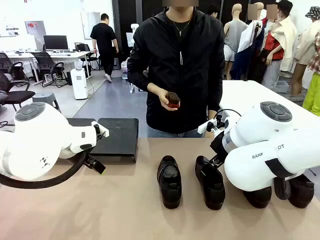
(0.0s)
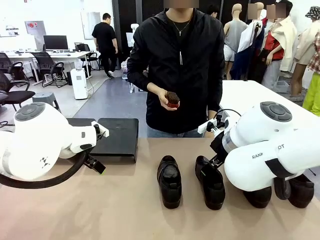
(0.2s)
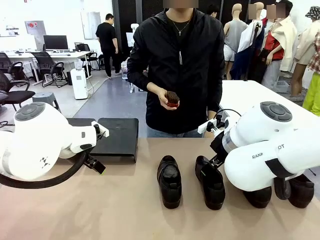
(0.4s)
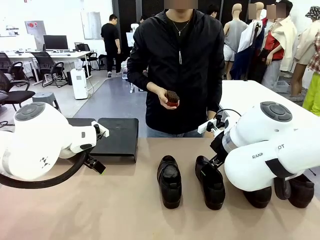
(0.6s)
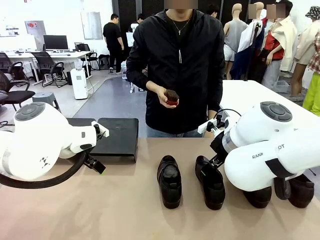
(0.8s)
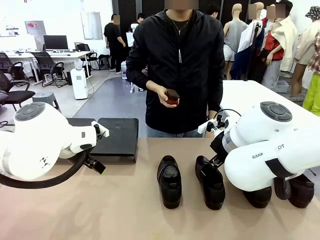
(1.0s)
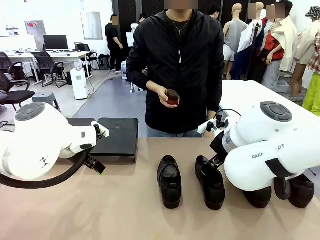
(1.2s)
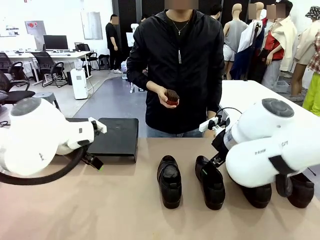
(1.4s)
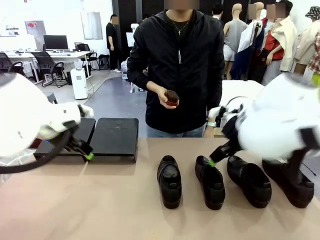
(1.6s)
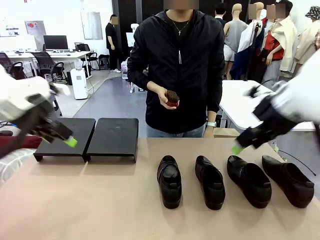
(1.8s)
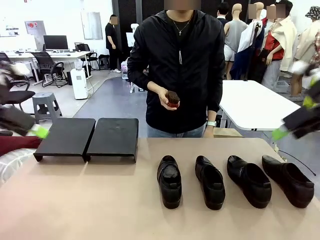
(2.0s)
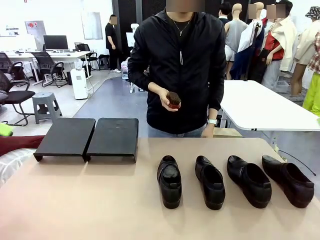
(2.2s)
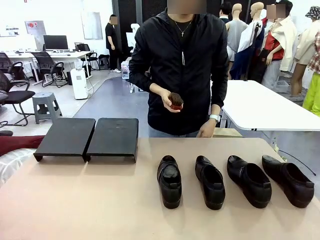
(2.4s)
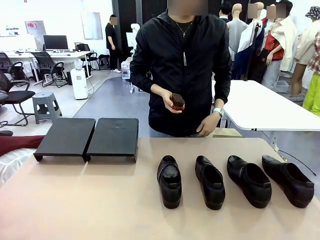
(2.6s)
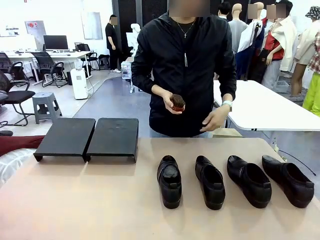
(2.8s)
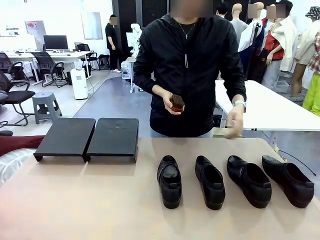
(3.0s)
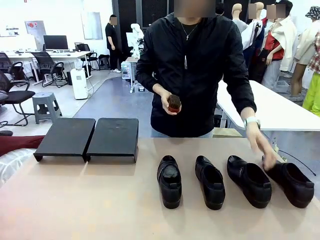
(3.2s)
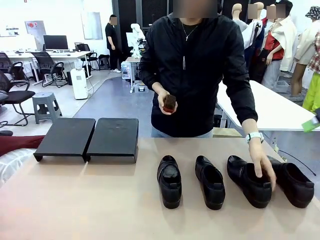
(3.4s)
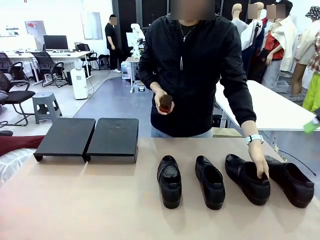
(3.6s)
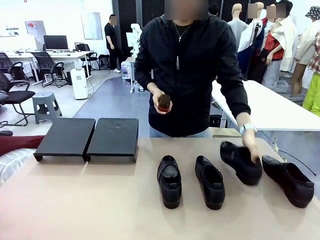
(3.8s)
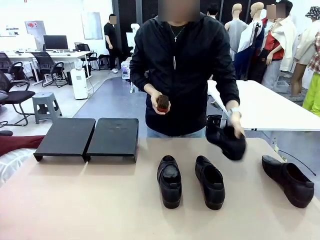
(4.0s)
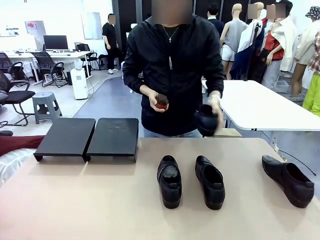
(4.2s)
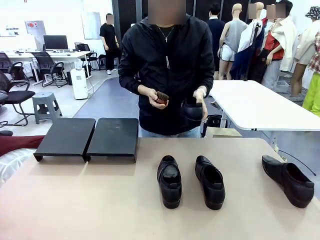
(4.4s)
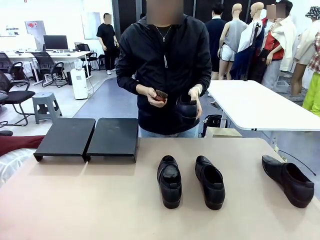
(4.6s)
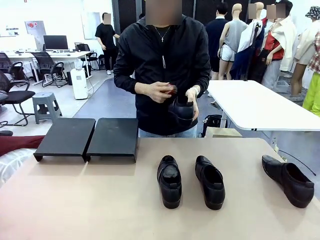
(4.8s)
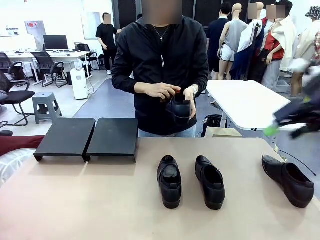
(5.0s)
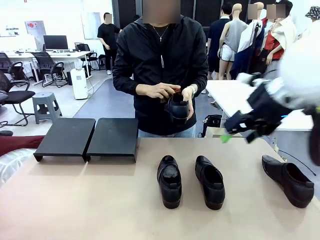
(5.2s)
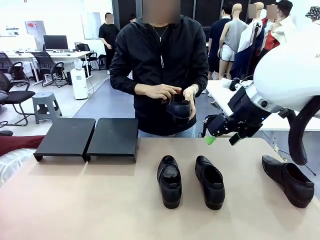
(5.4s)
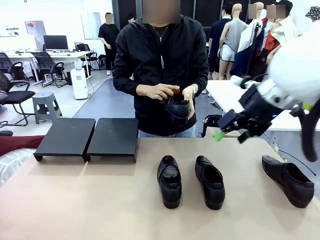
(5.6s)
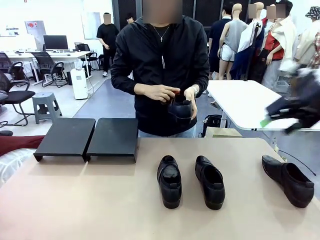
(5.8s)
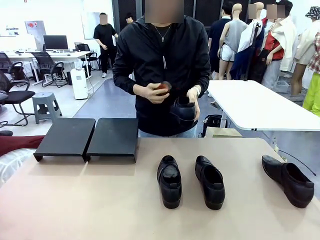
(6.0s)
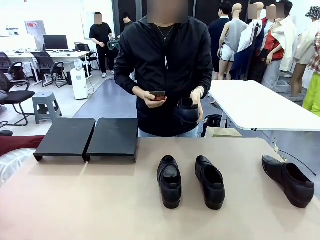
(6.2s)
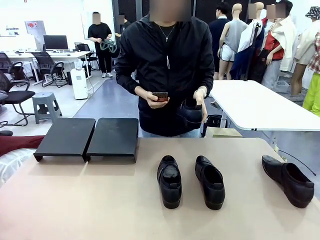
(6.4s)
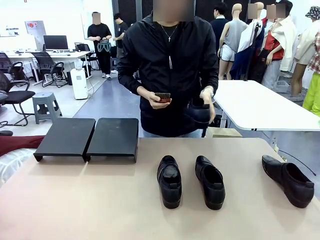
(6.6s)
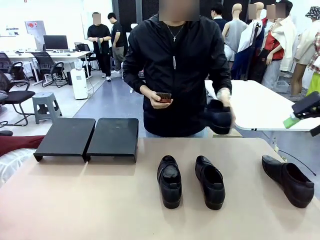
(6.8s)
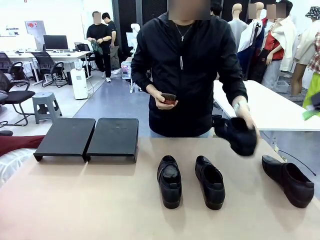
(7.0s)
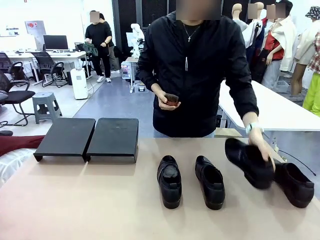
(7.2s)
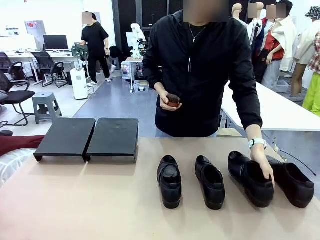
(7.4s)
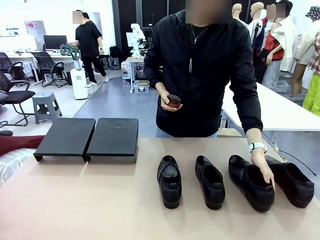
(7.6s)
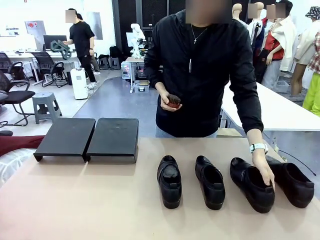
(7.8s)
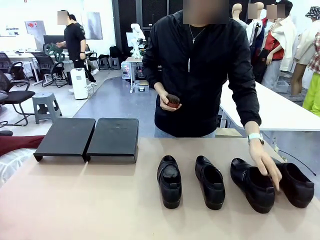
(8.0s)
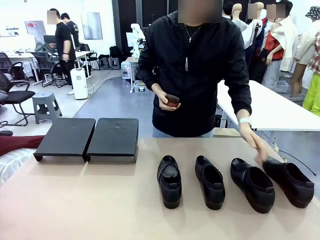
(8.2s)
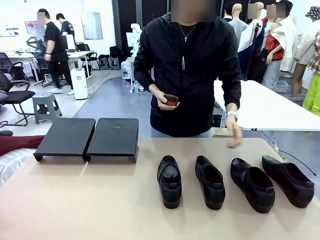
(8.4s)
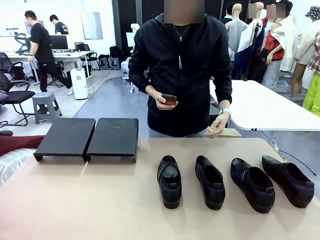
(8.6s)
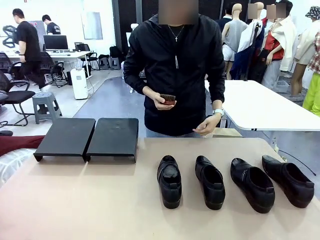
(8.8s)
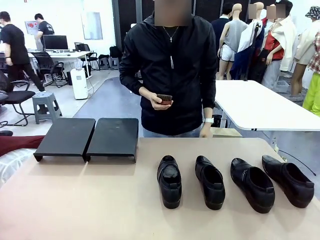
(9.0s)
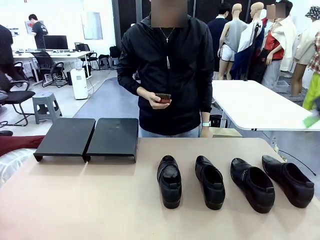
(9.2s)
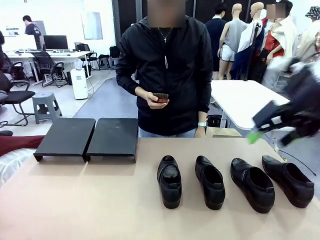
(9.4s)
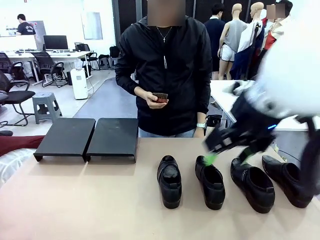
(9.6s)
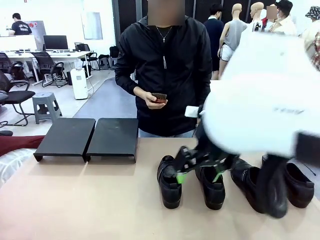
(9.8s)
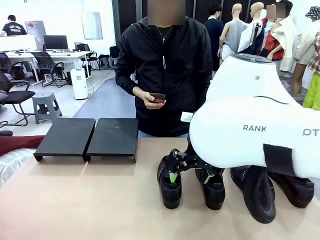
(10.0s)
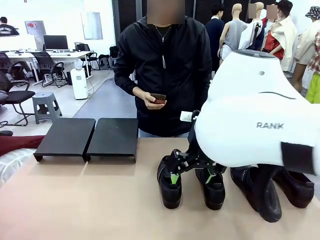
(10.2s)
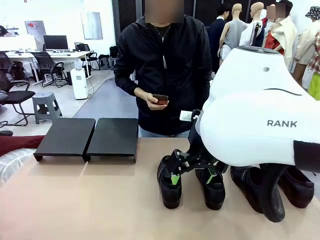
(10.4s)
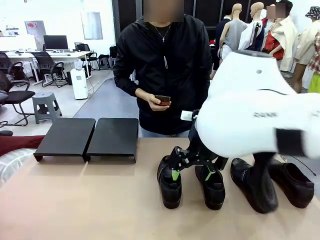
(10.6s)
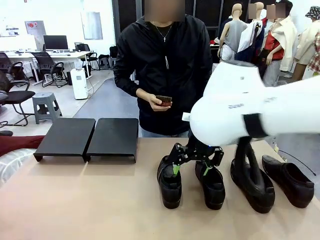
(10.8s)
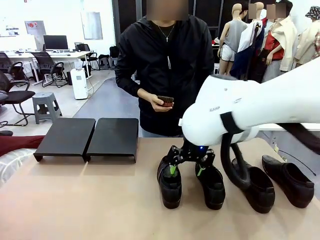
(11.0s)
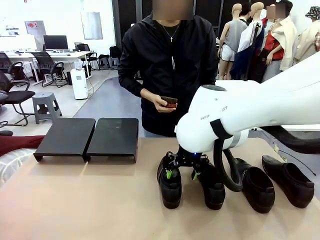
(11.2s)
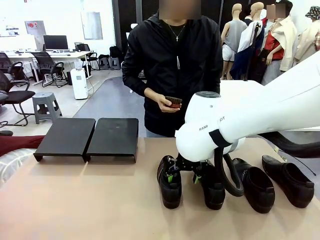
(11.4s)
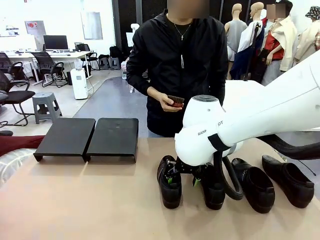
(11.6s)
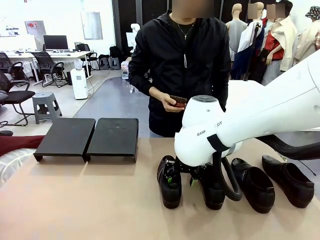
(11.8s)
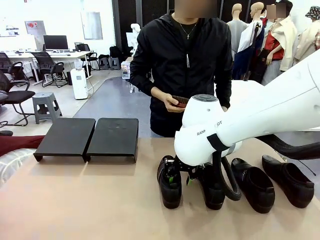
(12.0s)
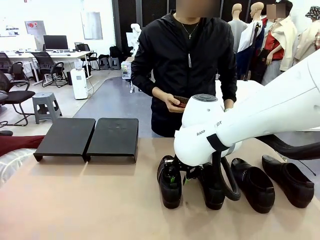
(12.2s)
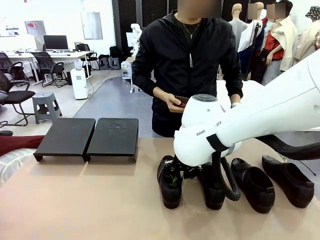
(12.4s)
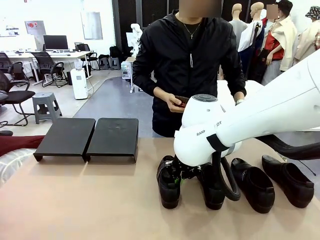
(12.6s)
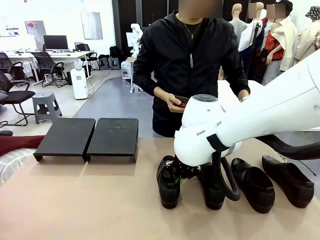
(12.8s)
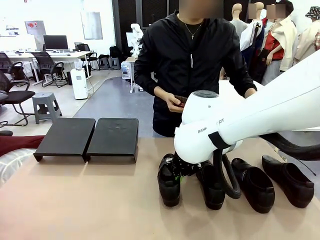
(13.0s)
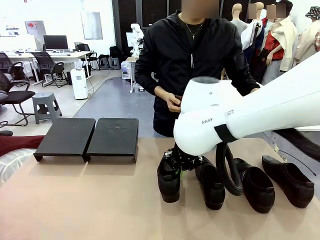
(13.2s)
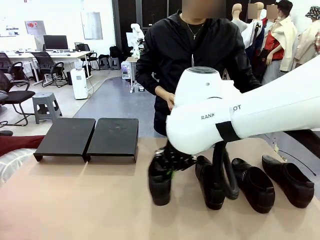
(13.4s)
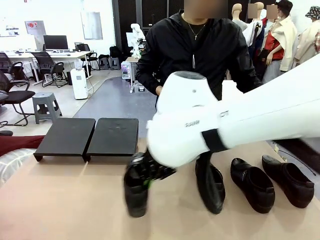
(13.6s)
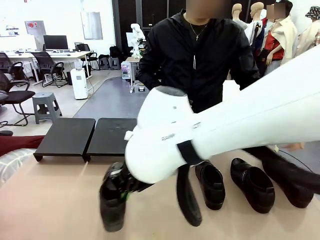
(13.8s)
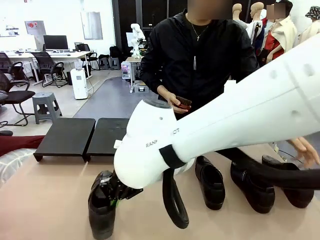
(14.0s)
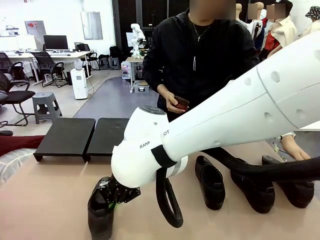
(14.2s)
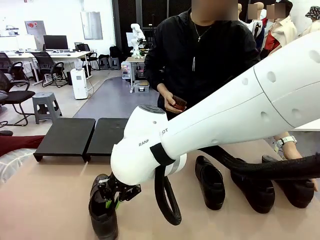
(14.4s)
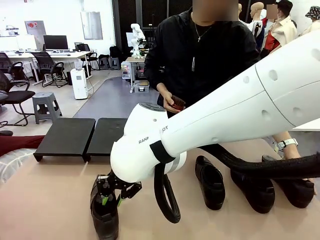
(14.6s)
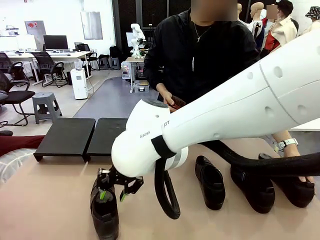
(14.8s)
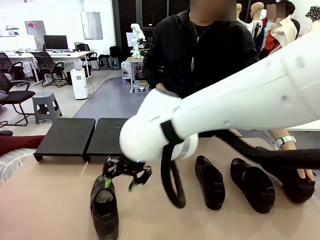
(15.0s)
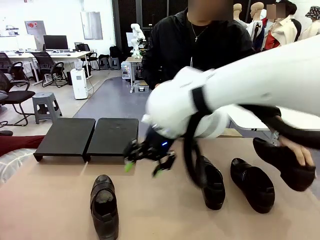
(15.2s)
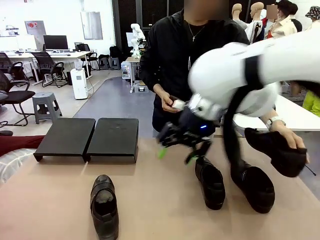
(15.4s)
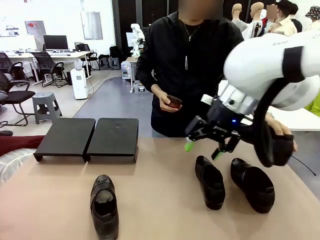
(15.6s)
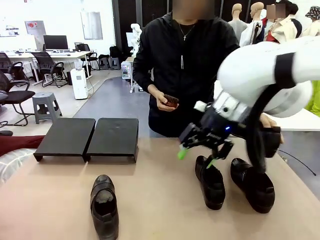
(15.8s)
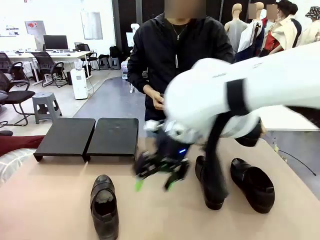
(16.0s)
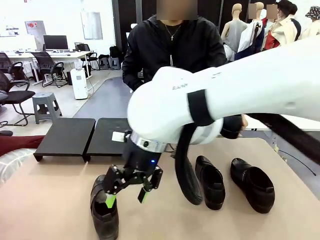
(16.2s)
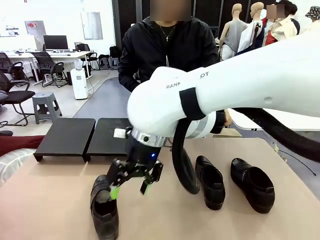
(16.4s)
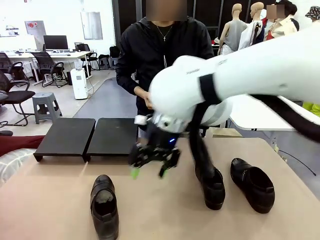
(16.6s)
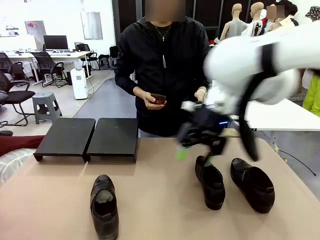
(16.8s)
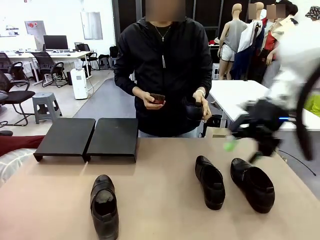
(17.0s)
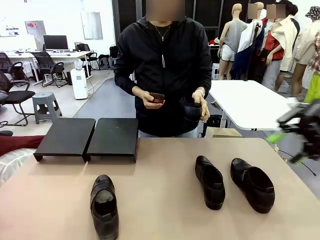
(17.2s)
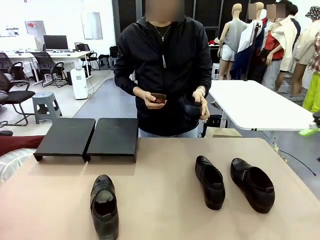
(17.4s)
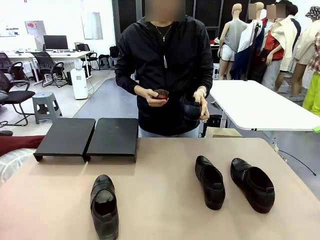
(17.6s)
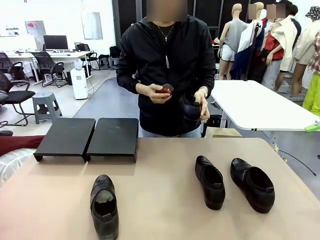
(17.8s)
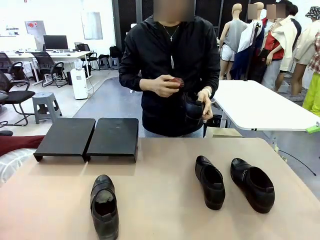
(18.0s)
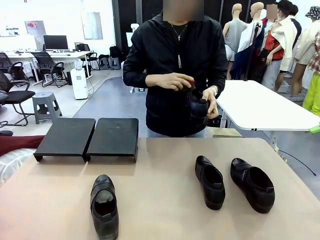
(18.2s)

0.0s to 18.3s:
Task: Organize the shoes by placing them on the stand.
Robot: Pick up one Shoe and place it in the middle of the table.
Person: Pick one Shoe on Robot's table. Clean the Shoe with the Shoe Brush. Place the Shoe on left side of the Robot's table. Pick one Shoe on Robot's table.
